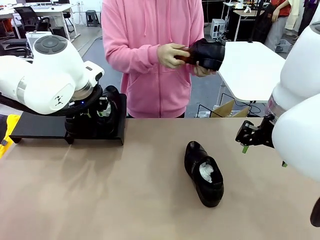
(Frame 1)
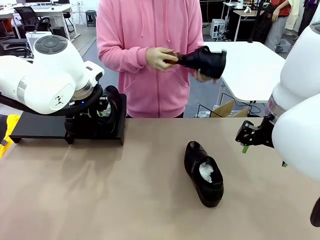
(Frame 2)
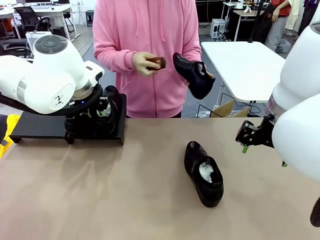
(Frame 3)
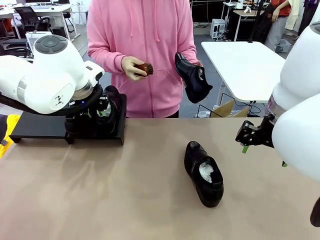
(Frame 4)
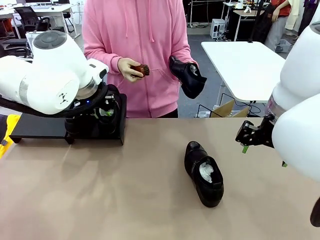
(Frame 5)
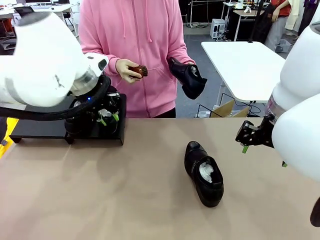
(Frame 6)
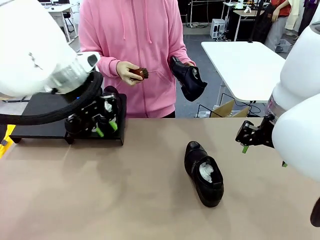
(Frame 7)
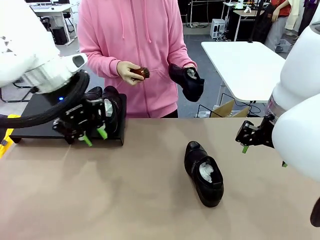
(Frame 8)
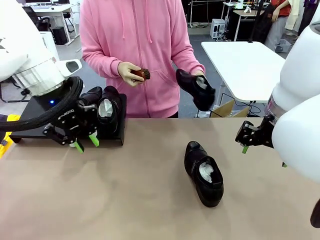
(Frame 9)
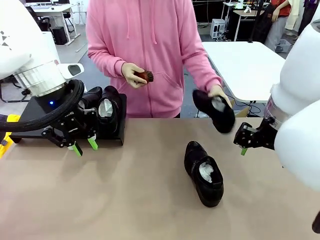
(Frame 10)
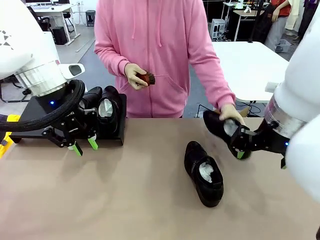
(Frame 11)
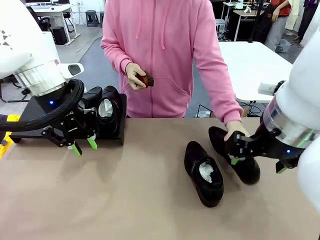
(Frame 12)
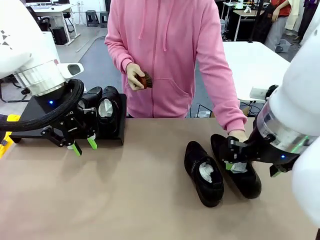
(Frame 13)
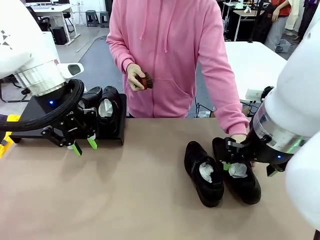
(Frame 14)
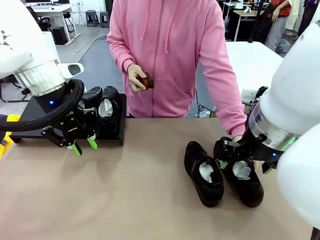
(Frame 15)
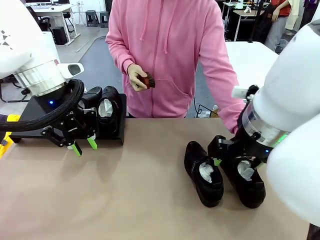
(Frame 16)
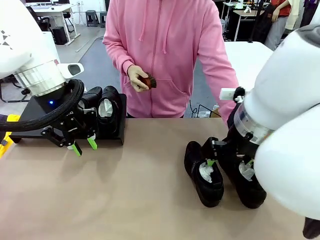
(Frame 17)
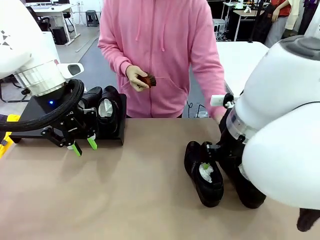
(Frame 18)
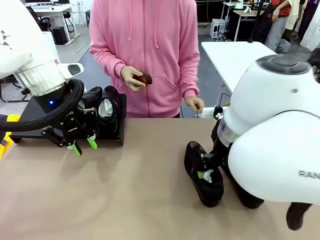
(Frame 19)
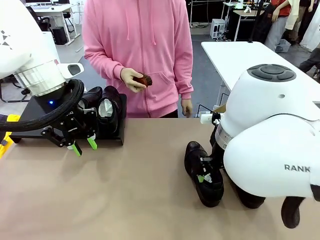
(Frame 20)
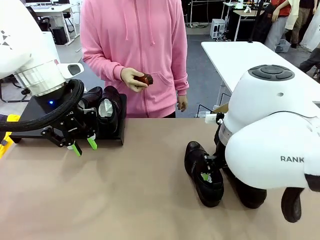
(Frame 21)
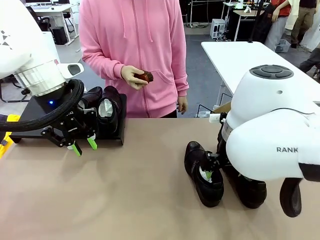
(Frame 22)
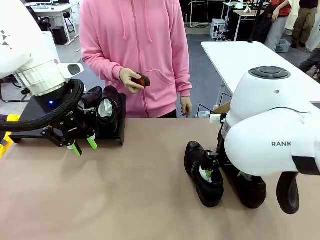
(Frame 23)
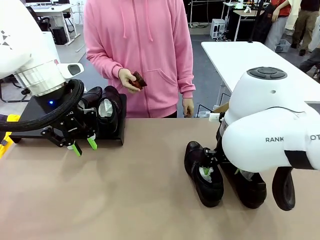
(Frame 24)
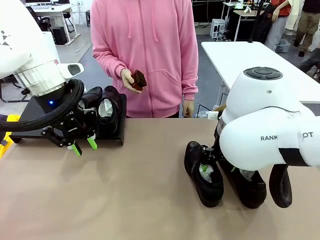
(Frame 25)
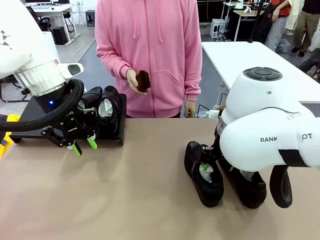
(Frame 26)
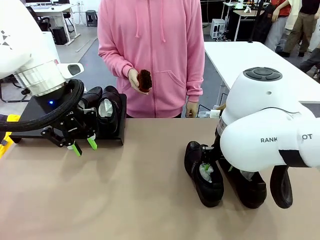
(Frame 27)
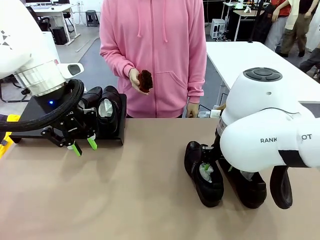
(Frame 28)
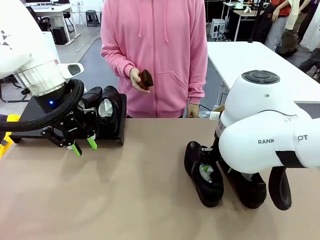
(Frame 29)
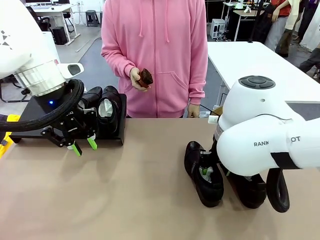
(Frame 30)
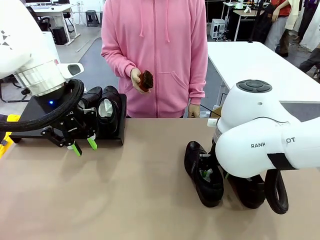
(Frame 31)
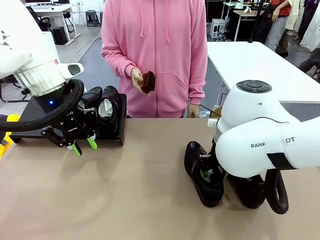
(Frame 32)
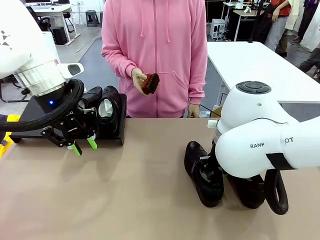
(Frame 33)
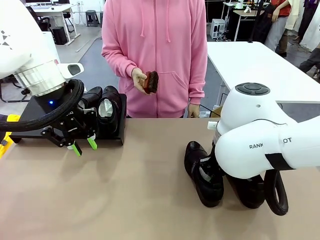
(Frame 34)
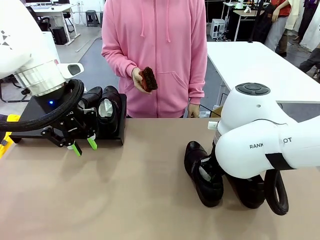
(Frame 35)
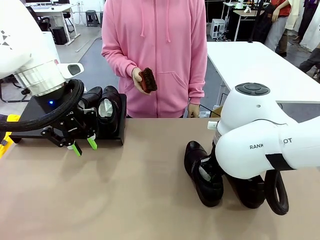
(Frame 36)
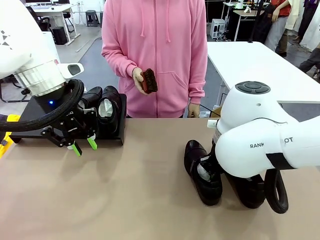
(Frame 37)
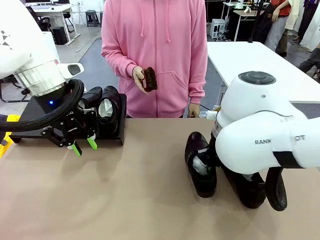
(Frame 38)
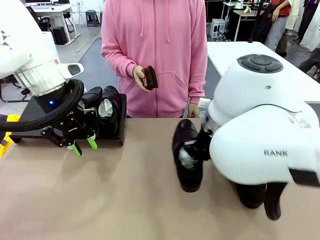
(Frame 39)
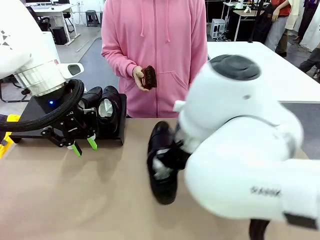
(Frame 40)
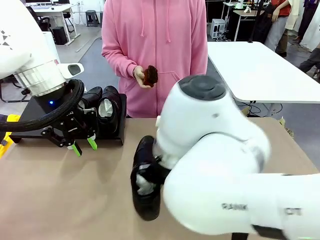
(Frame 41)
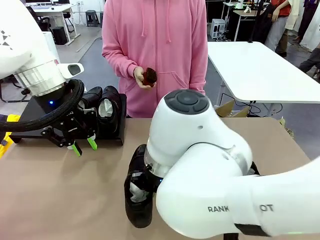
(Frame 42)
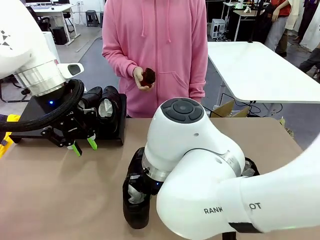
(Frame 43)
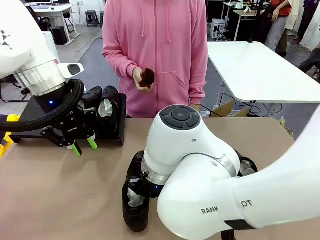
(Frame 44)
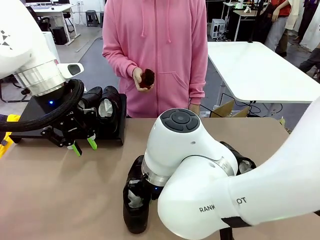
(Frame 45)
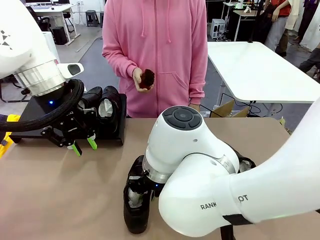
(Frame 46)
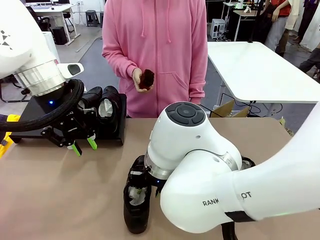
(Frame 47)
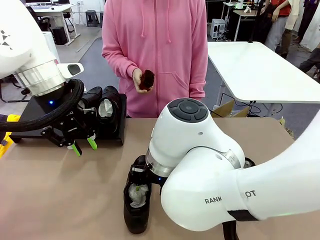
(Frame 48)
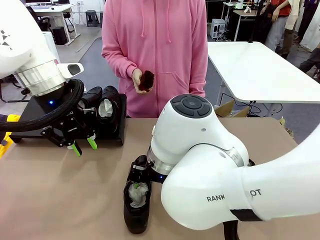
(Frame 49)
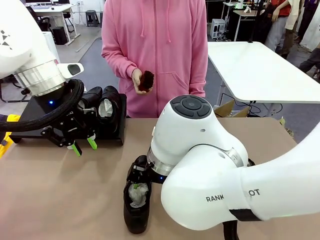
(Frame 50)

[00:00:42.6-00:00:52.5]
Task: Organize the shoes by placing them on the stand.
Robot: Pick up one Shoe and place it in the middle of the table.

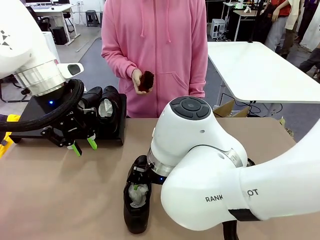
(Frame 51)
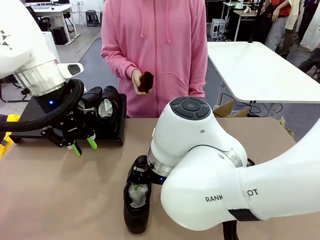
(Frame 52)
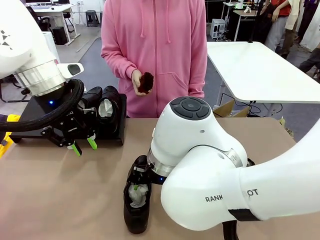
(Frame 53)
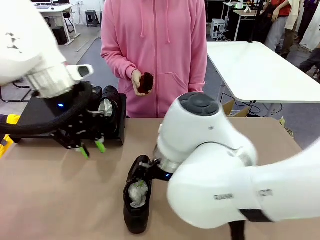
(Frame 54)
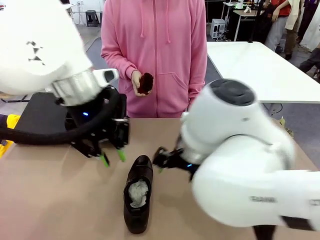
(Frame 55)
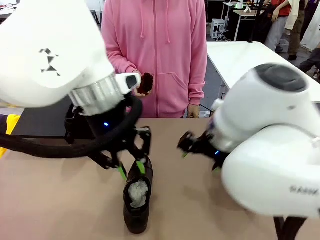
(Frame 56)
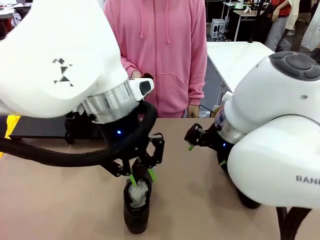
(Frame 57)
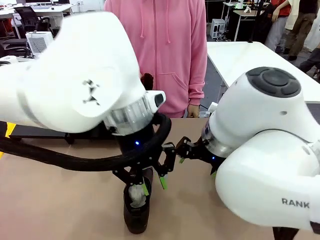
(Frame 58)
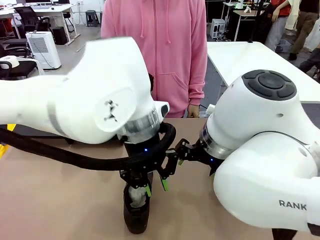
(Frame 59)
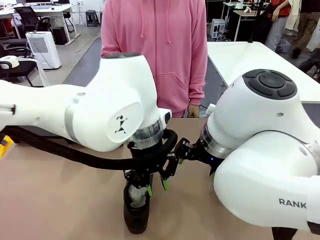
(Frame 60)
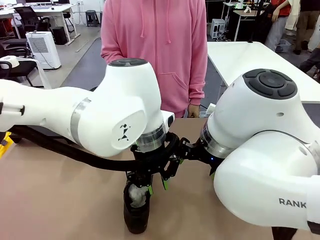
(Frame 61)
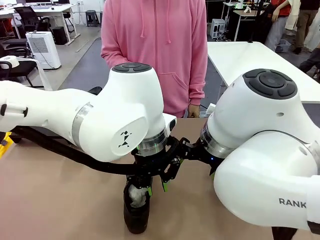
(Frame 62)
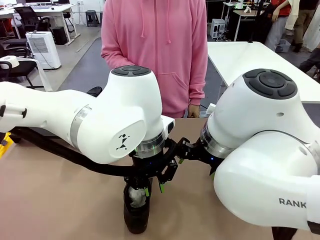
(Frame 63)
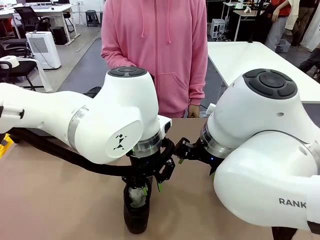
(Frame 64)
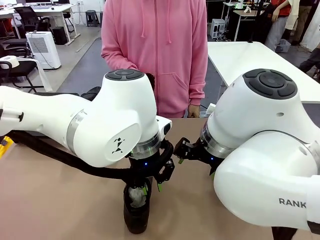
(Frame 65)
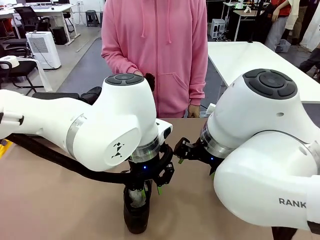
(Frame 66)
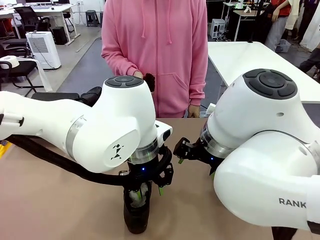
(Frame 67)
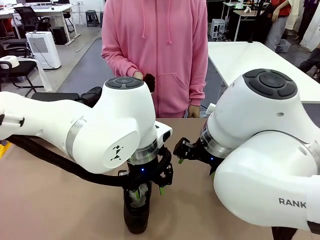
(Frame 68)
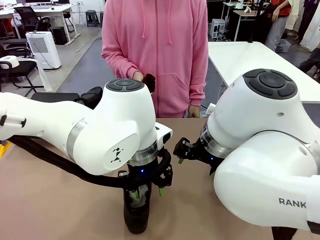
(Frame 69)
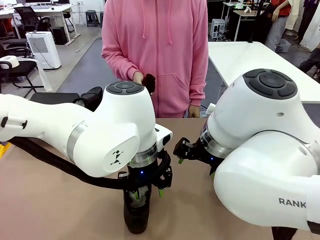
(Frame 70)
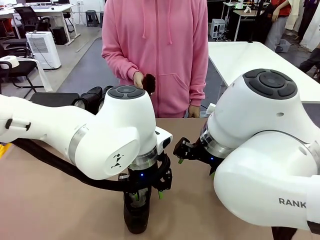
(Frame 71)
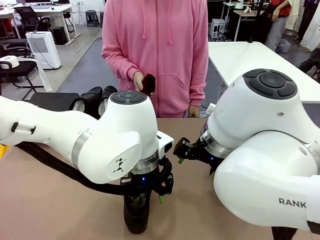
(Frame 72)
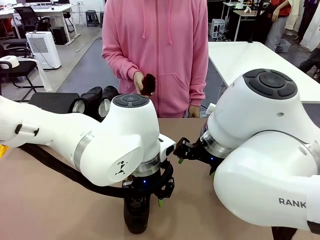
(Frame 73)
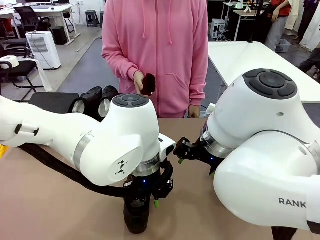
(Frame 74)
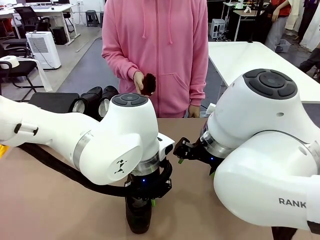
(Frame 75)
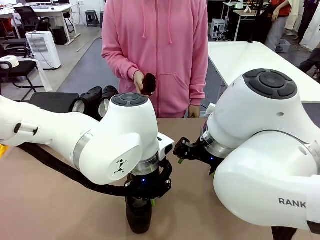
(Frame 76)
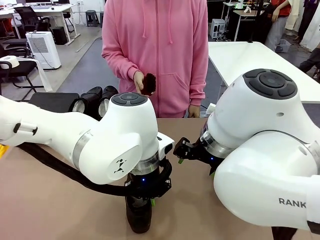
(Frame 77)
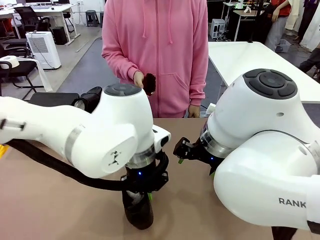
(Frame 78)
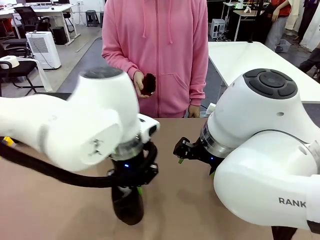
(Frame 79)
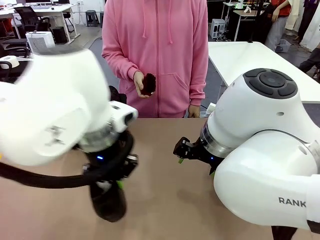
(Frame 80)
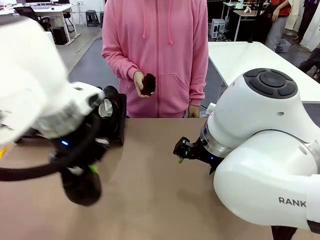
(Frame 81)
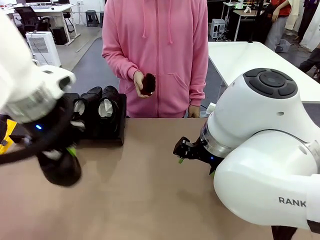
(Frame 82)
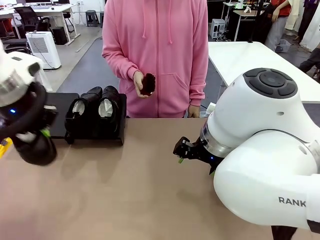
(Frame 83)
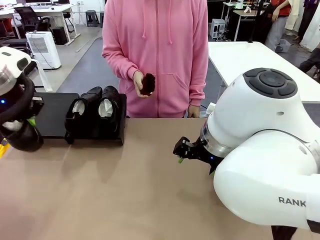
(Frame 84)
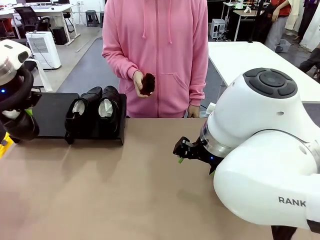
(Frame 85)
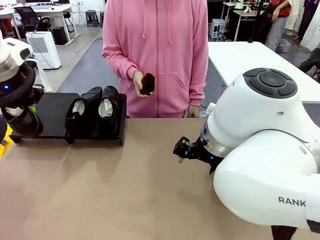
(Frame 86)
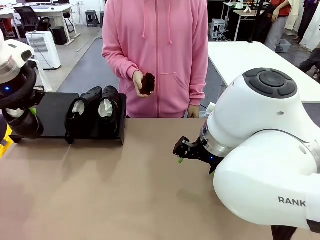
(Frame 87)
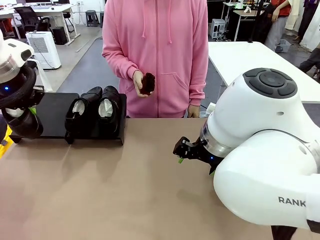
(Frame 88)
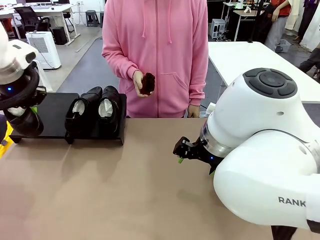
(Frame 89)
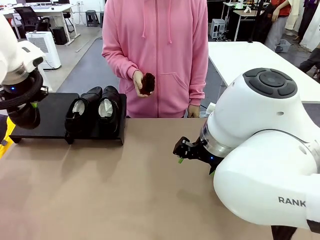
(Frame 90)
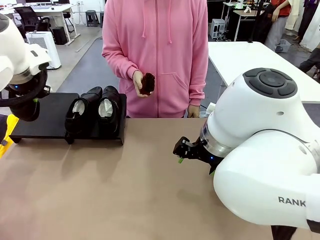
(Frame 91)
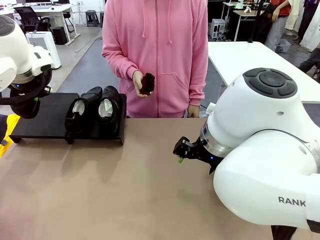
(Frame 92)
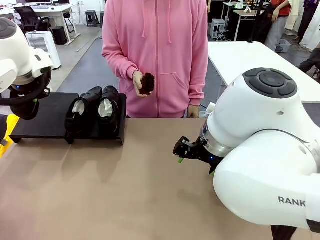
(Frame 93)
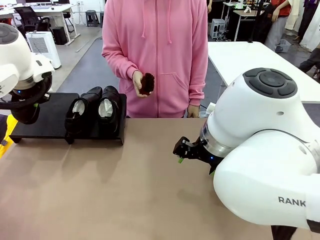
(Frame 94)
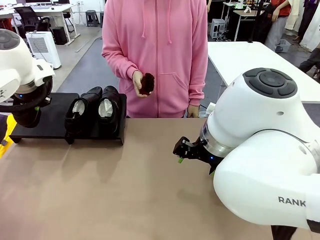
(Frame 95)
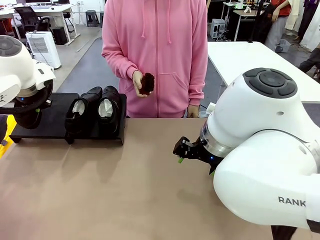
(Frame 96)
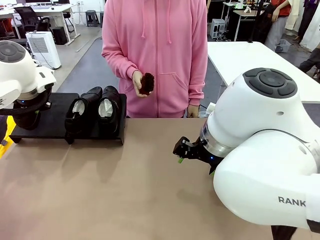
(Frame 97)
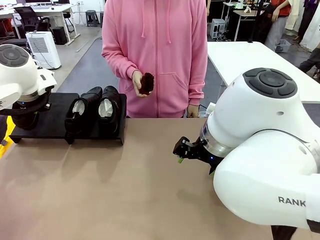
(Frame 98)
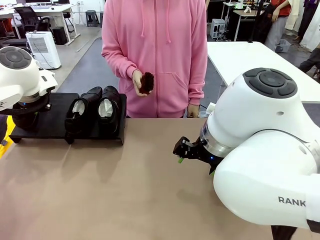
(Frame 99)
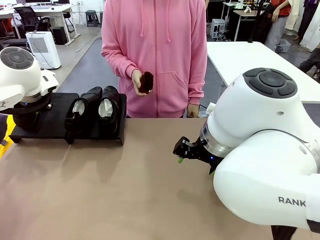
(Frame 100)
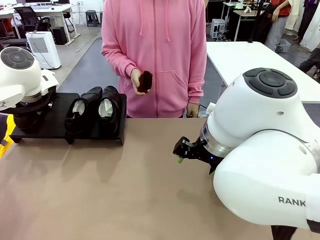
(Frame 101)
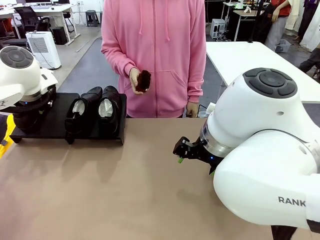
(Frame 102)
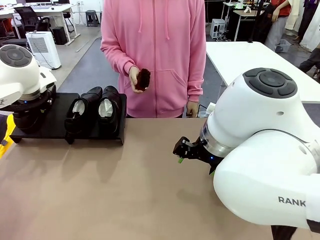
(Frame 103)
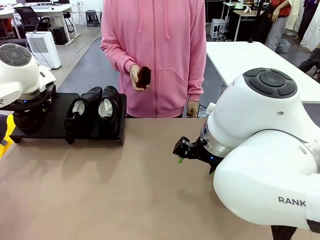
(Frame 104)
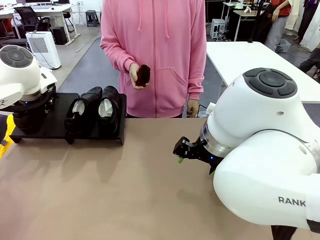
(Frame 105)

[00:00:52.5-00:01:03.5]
Robot: Place the Shoe from the middle of the table onto the Shoes Stand.
